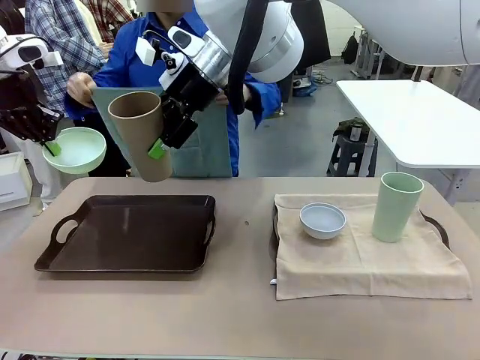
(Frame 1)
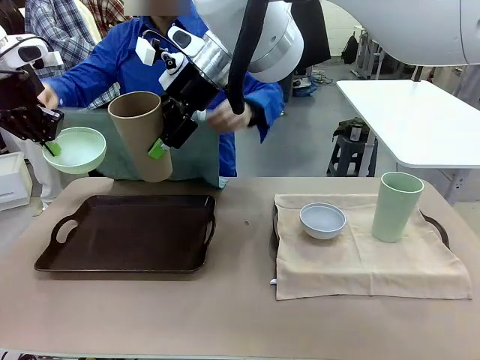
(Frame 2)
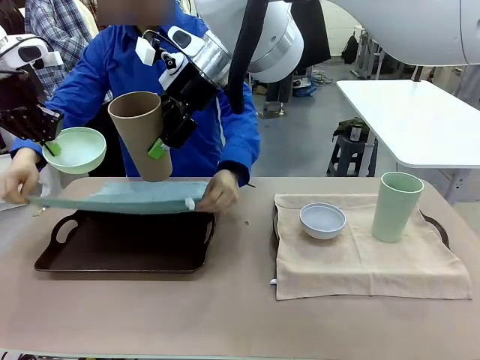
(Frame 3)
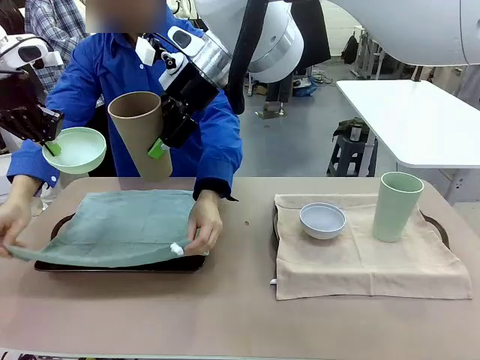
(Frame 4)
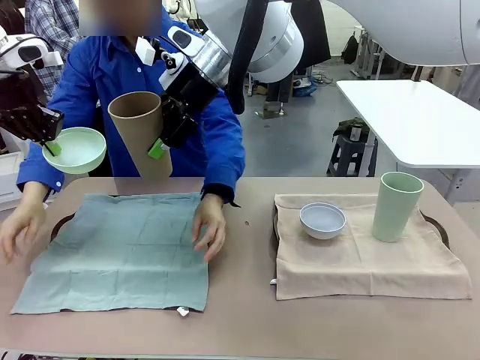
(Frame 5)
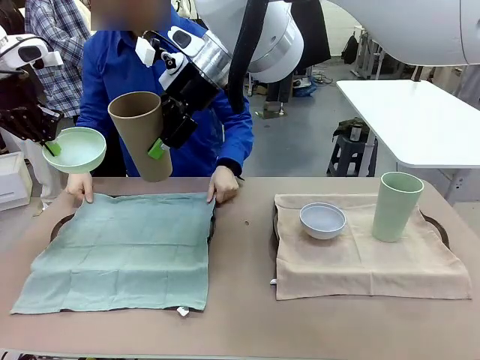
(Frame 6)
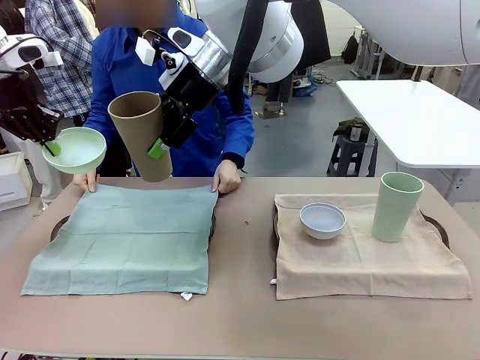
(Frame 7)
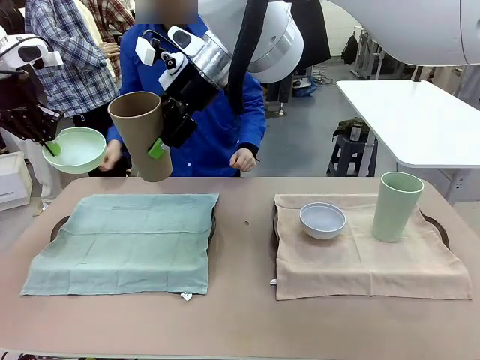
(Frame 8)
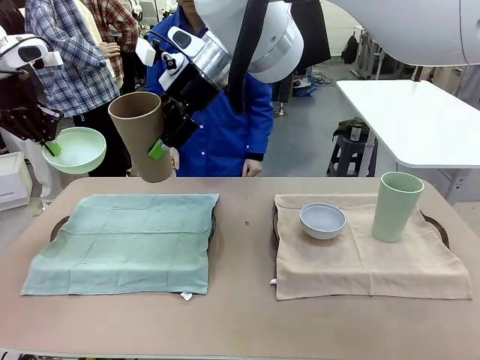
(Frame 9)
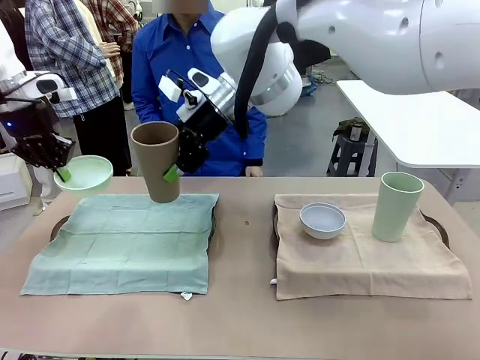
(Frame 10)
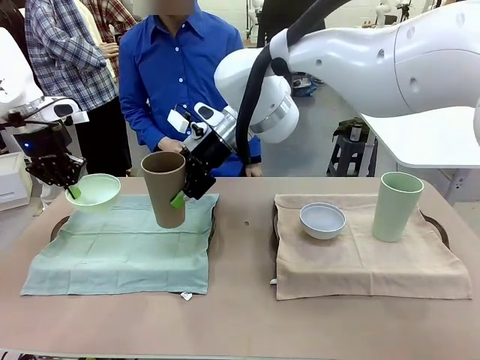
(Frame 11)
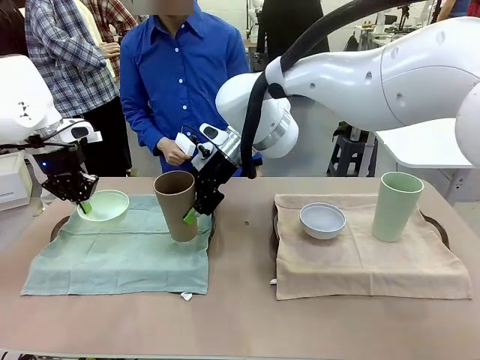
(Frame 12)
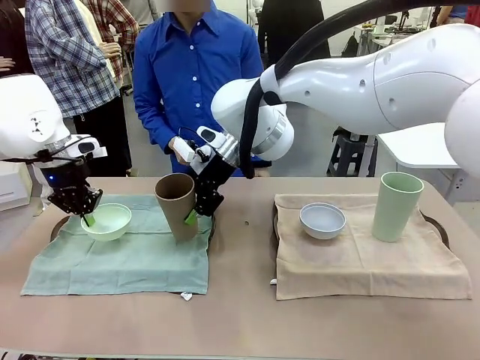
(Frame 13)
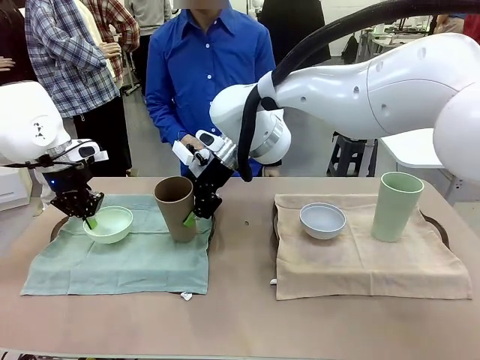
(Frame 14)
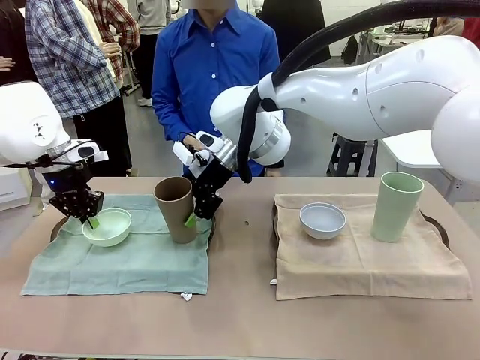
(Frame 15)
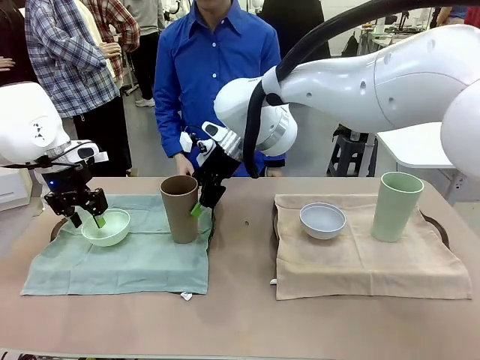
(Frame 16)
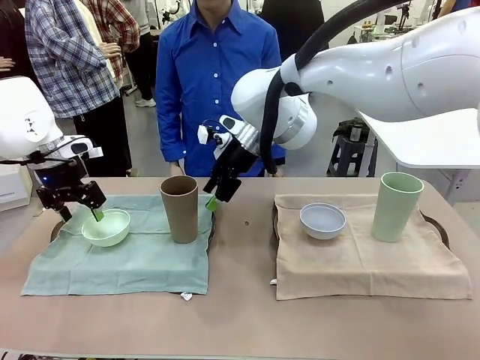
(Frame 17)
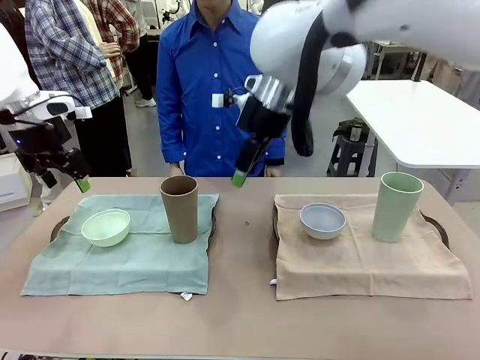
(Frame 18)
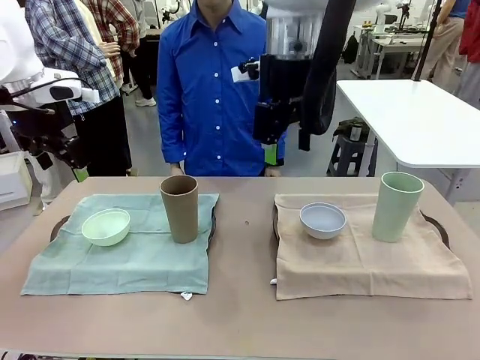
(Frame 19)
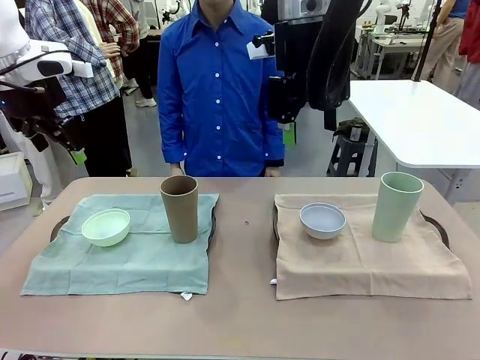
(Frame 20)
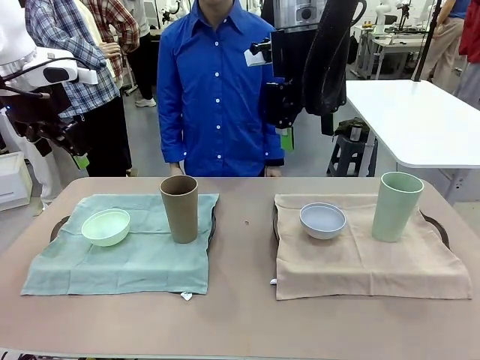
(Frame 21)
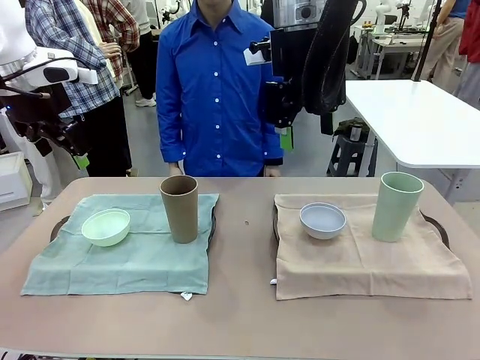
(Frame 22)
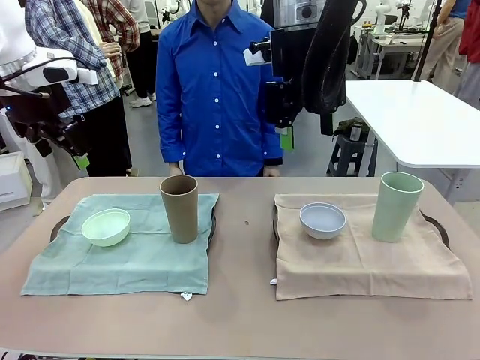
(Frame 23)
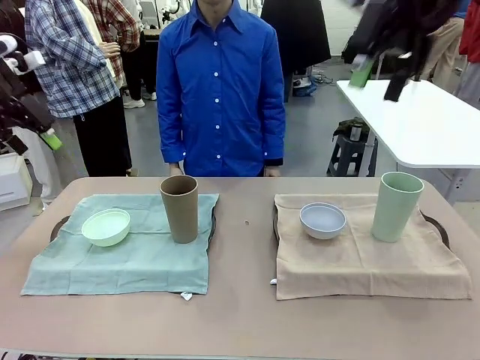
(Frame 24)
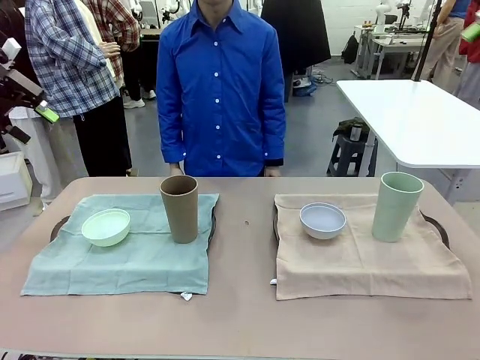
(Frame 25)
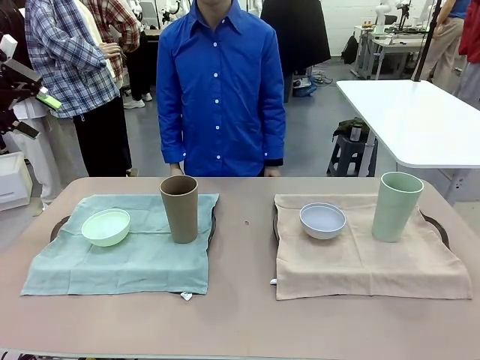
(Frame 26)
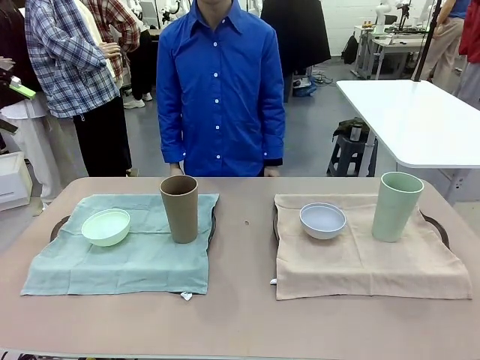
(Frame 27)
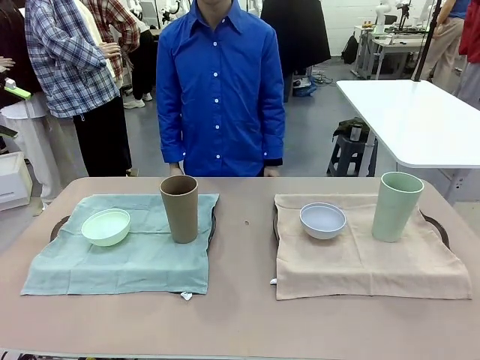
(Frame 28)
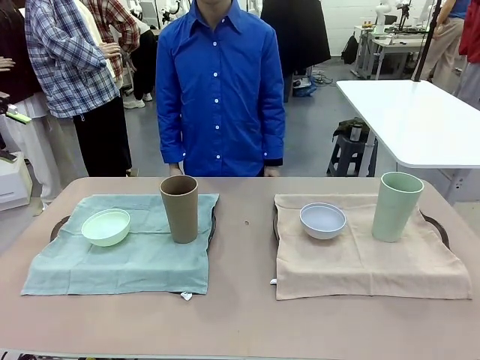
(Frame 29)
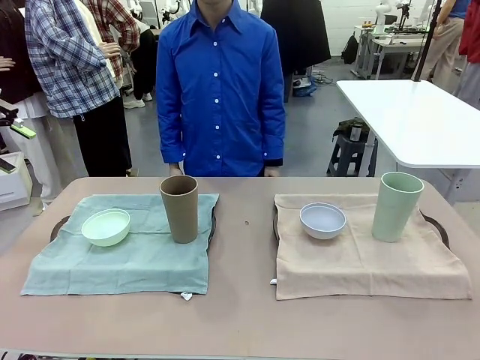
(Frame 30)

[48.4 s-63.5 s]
Robot: Place the Picnic Bowl and Reusable plastic cup back onto the Handle tray in front of the human's position.
Person: When the robot lifts the bowl and the cup, the human unfolds the napkin and lays the napkin flat on the tray.

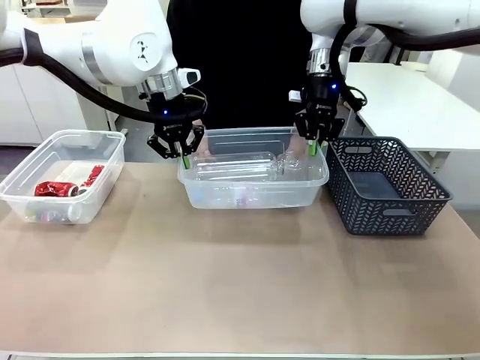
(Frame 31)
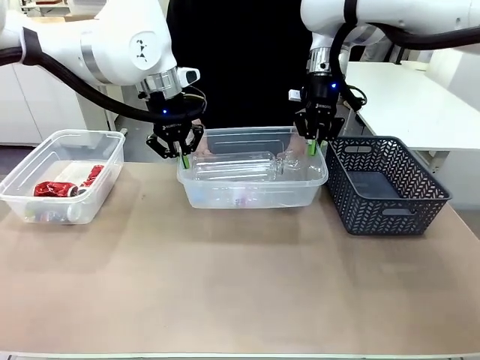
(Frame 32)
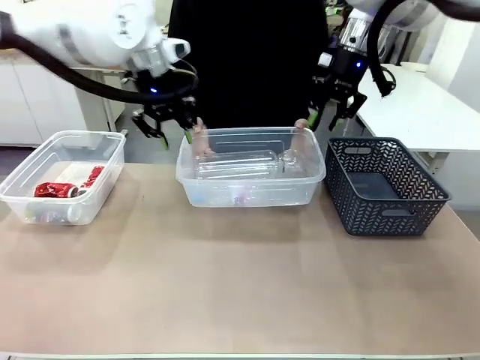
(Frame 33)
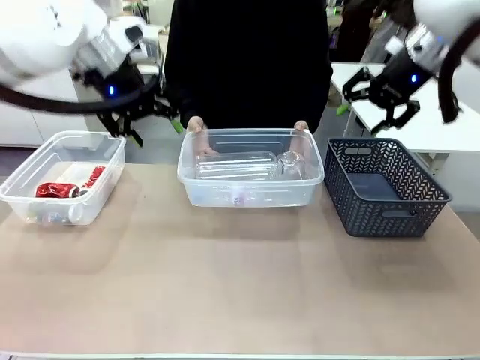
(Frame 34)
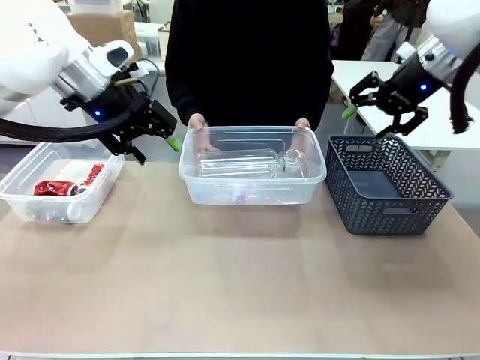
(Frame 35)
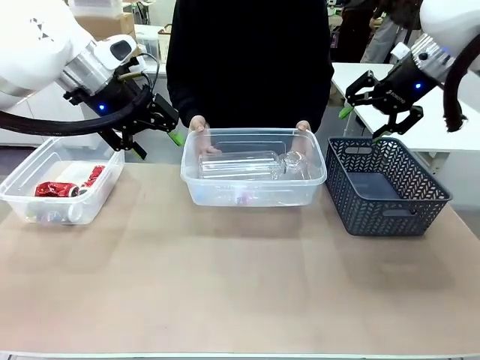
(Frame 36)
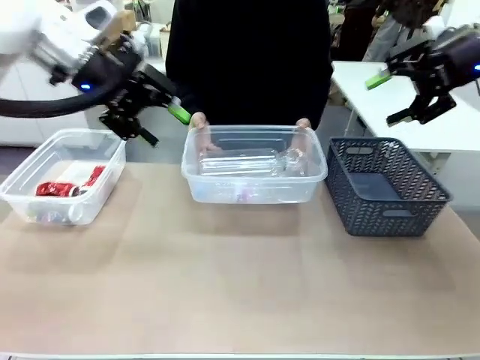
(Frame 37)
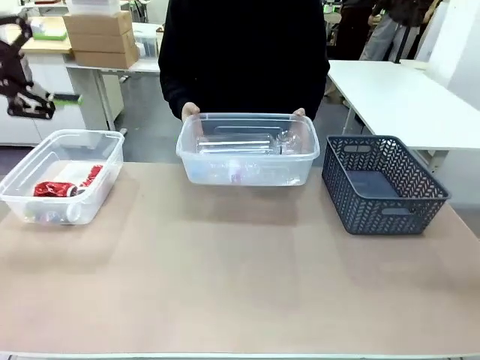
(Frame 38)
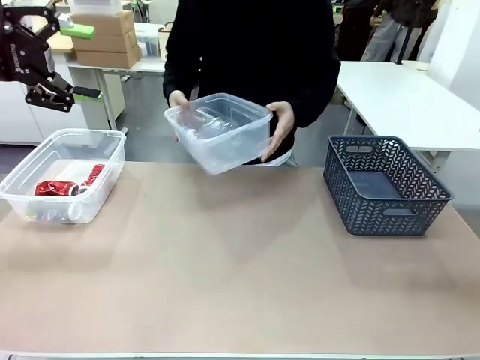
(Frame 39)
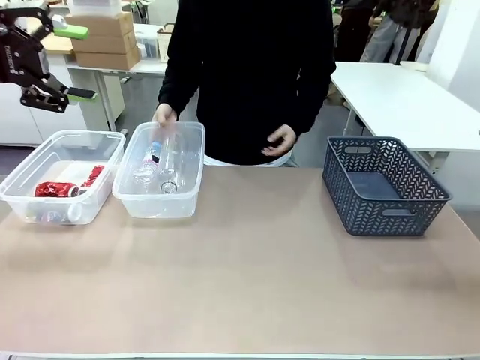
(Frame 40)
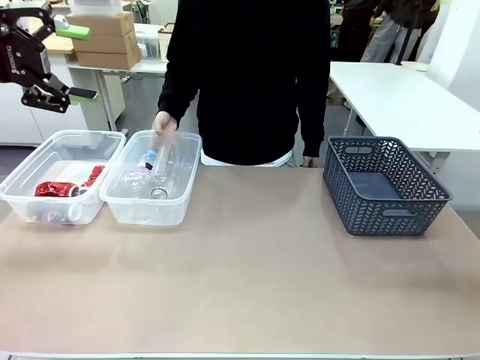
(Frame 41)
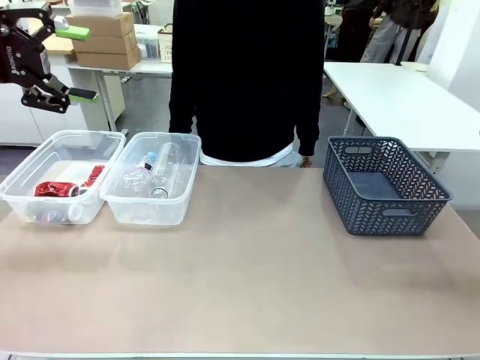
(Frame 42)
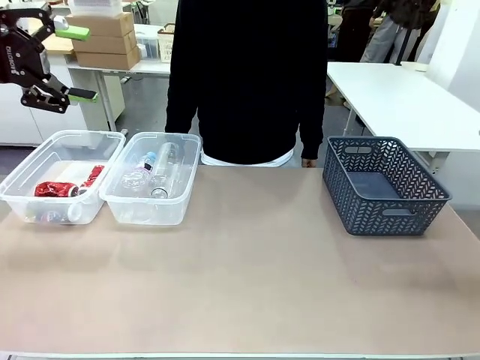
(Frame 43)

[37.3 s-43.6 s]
Robot: Release the Organizing box you were holding.
Person: Pick up the organizing box extended by the robot. Place the organizing box to the left of the sorting box containing the can waste.
